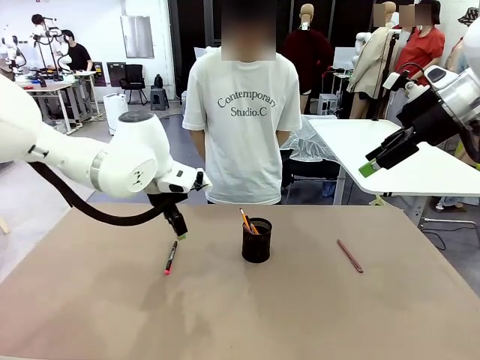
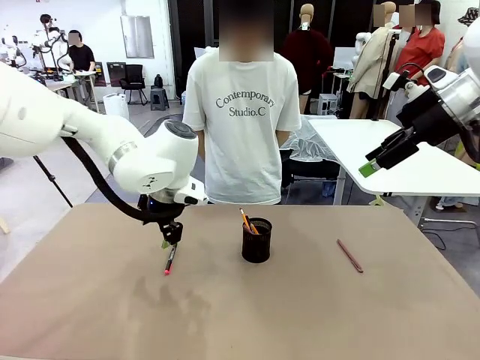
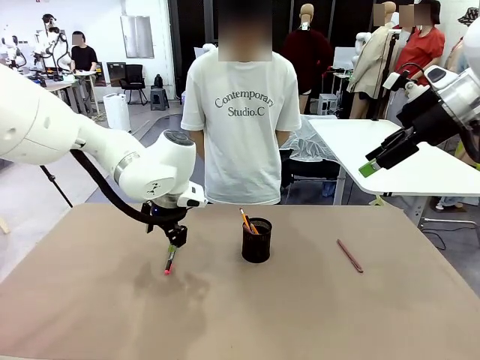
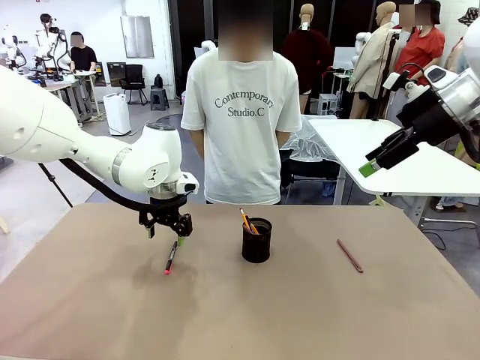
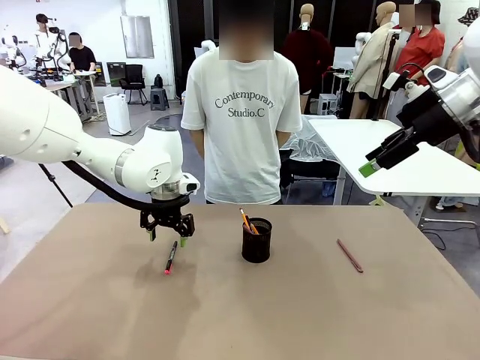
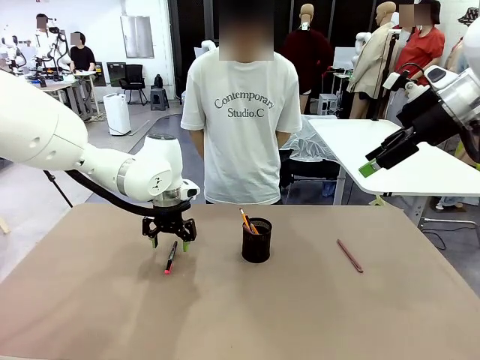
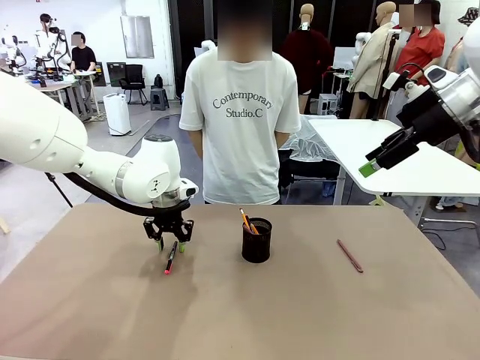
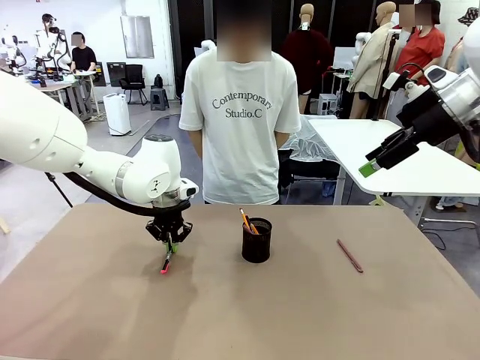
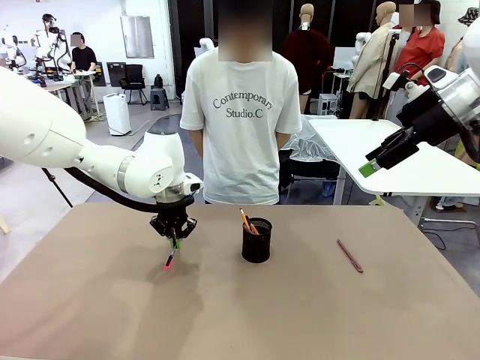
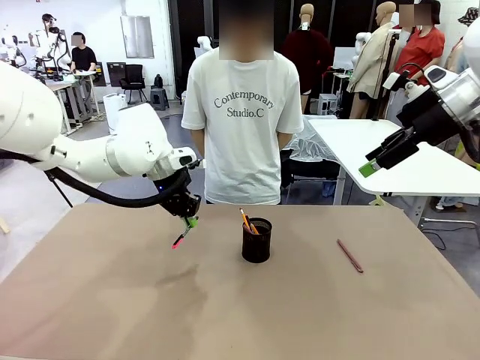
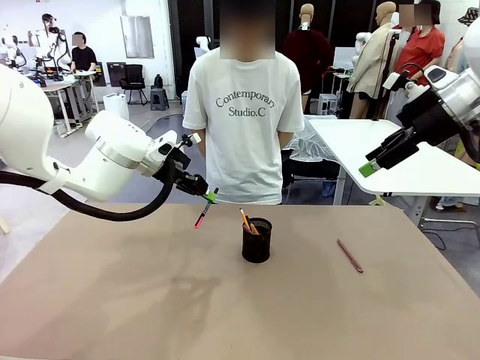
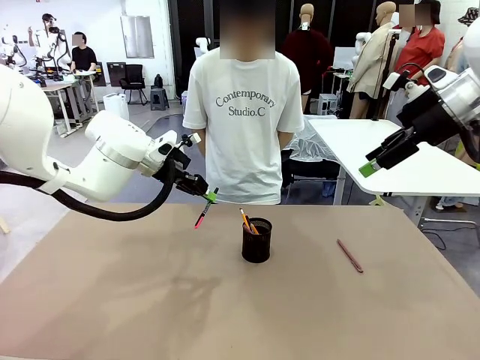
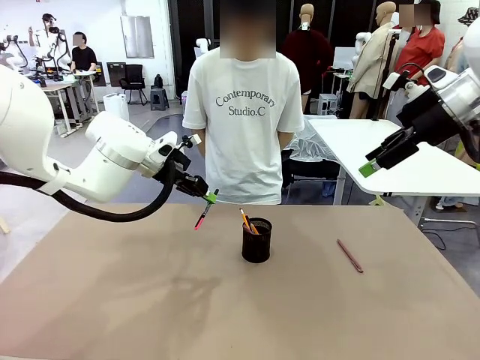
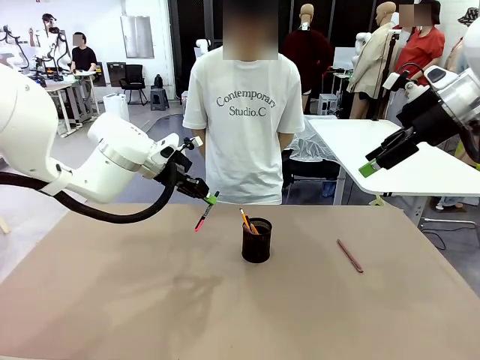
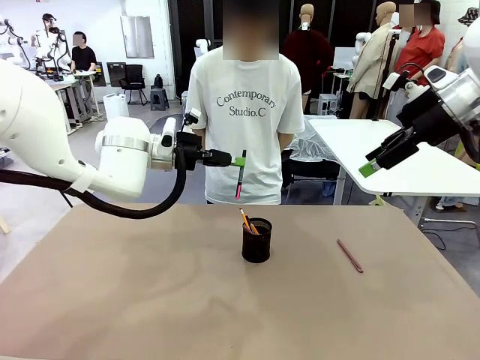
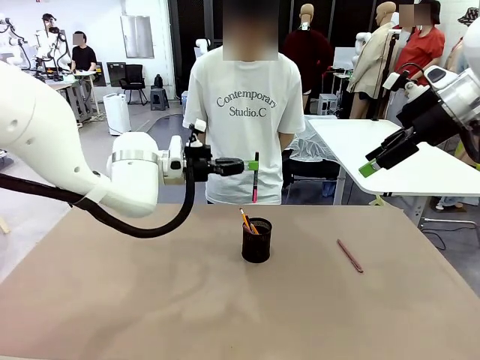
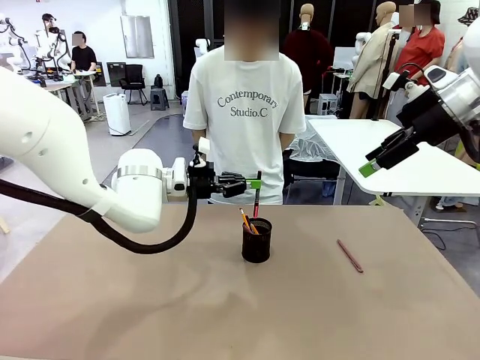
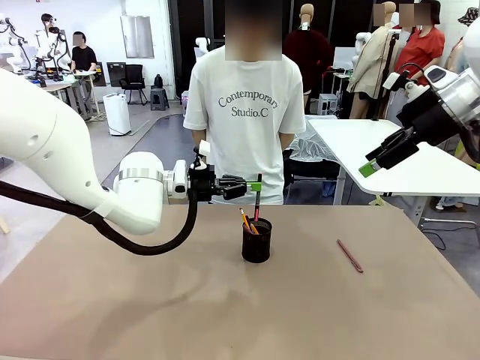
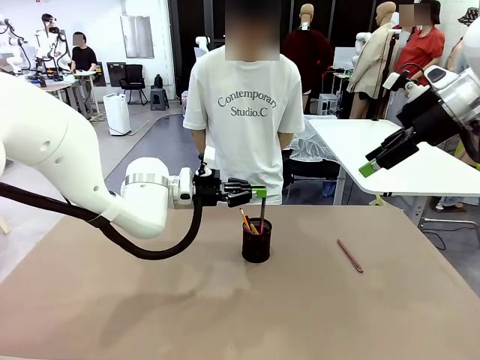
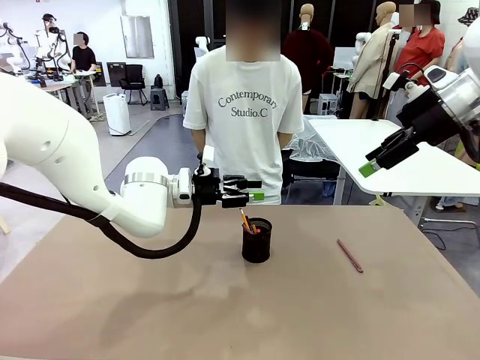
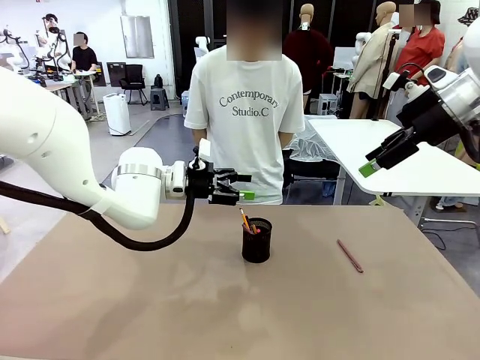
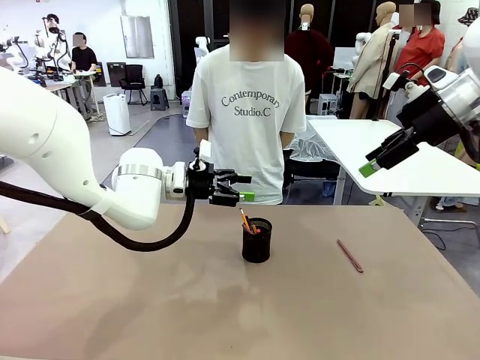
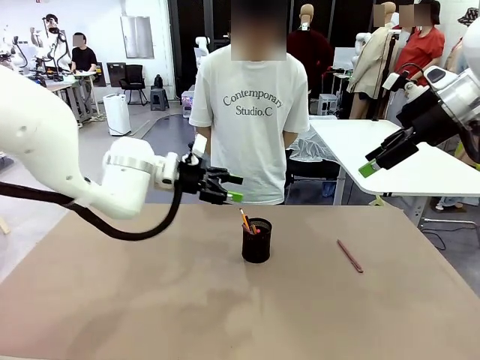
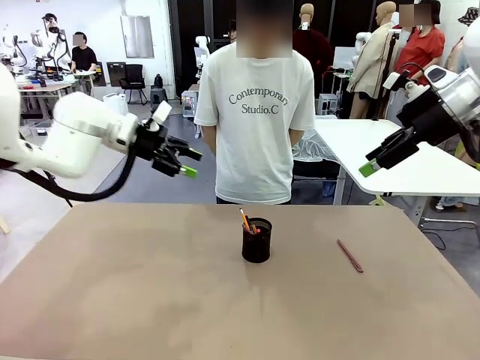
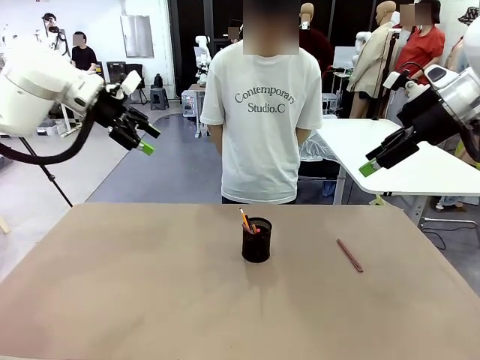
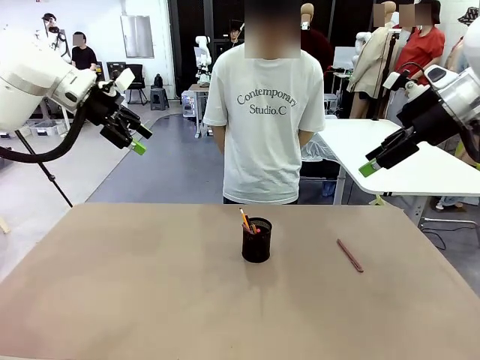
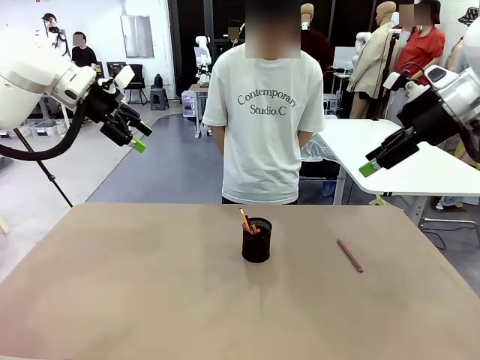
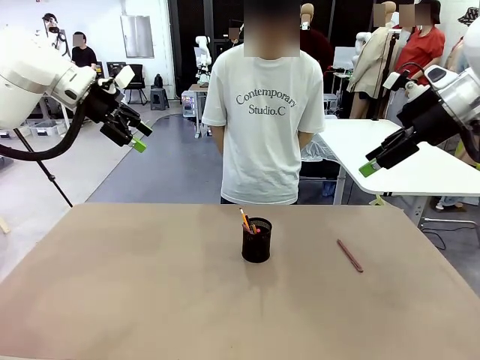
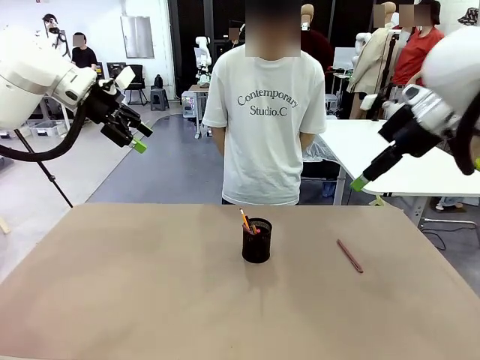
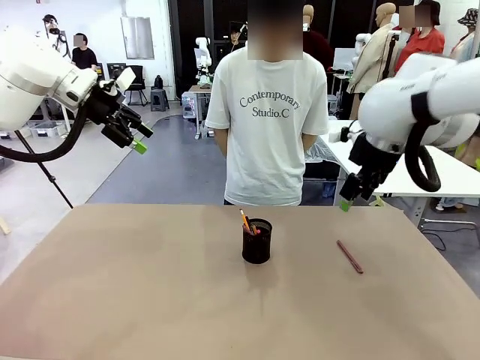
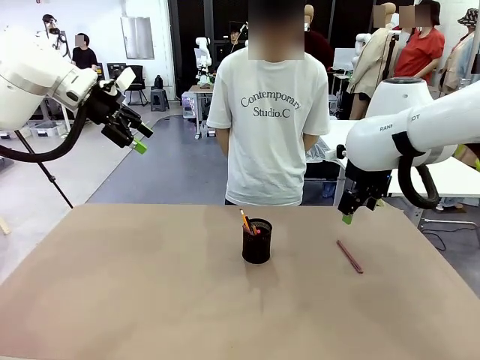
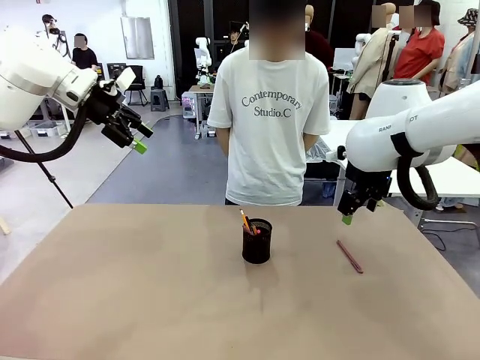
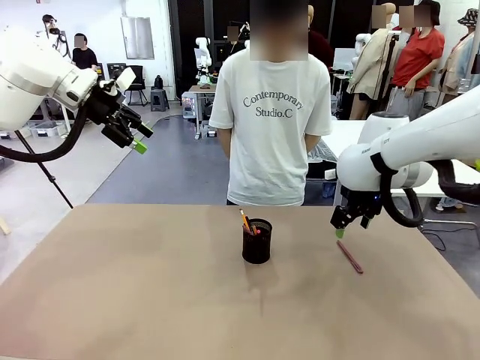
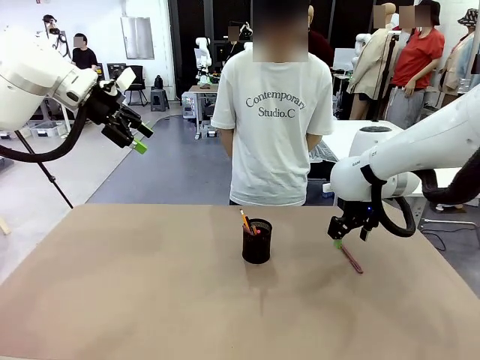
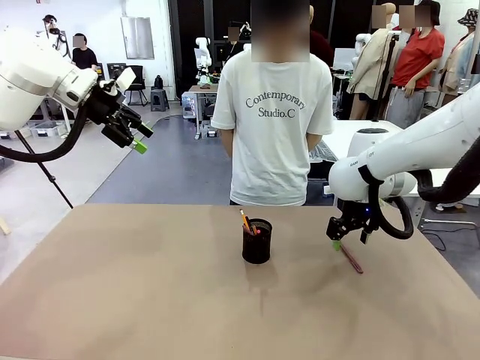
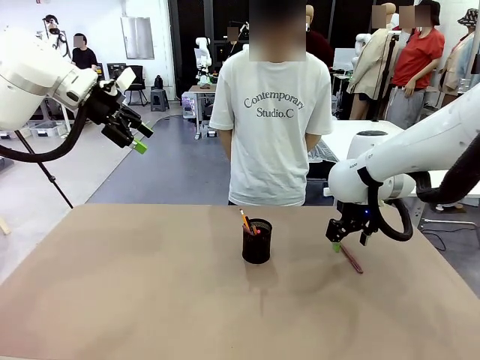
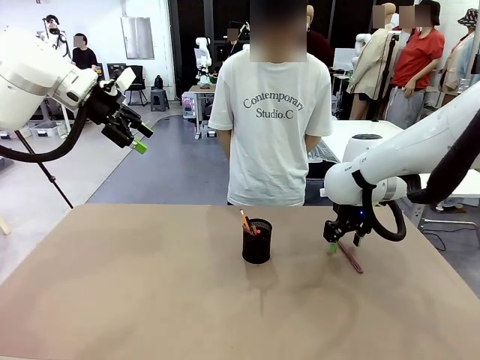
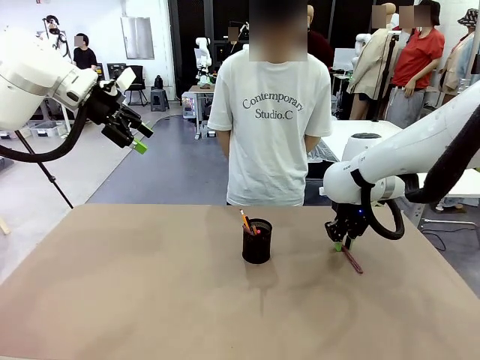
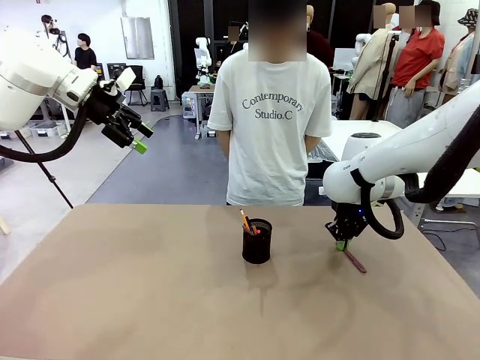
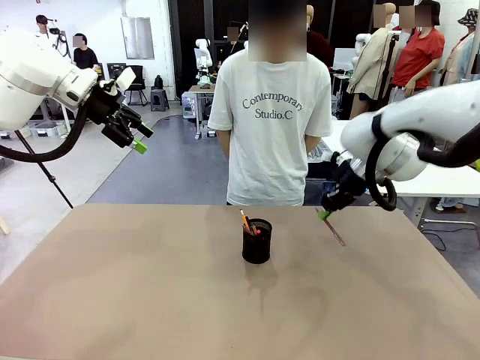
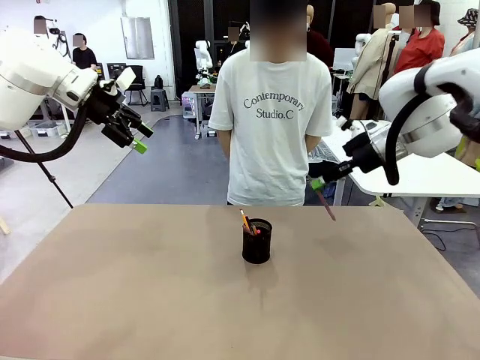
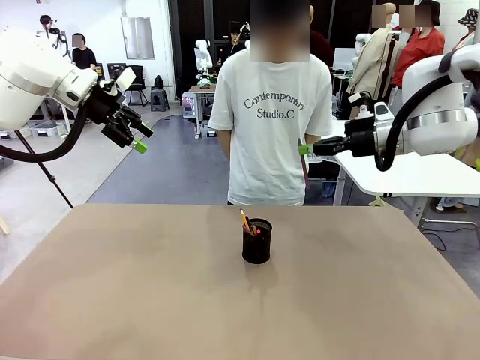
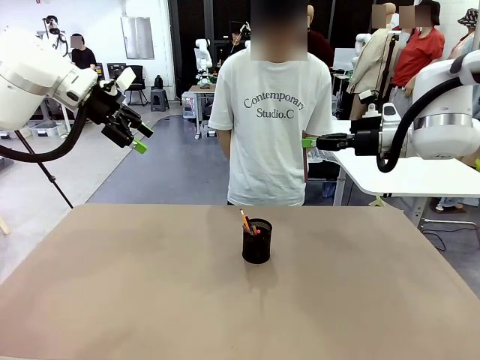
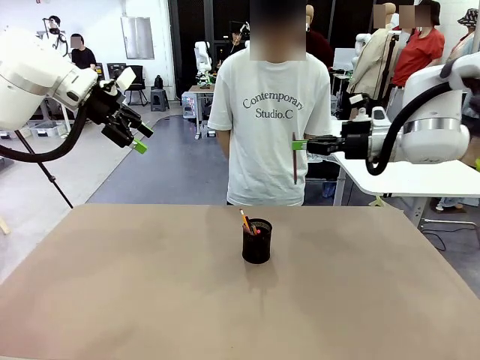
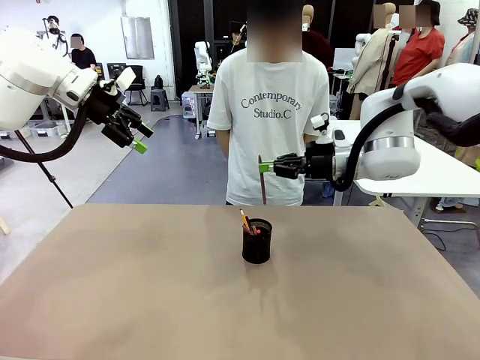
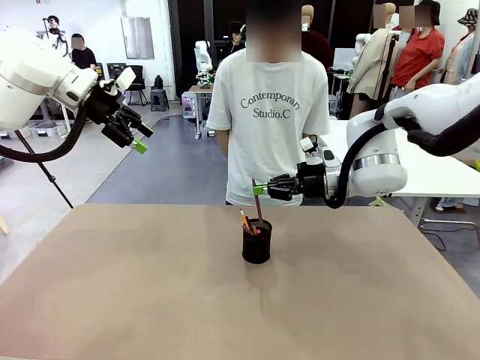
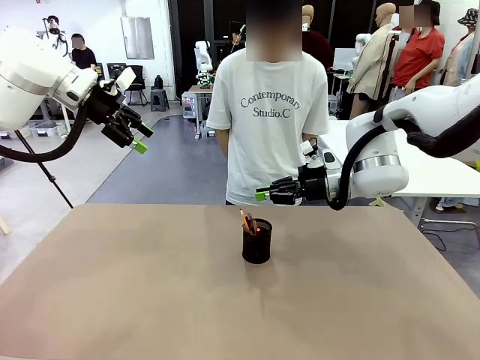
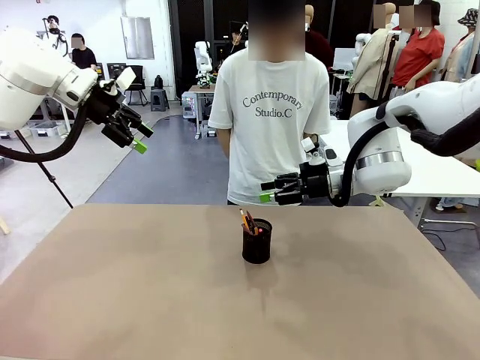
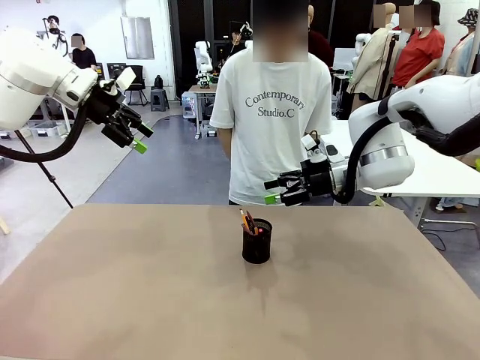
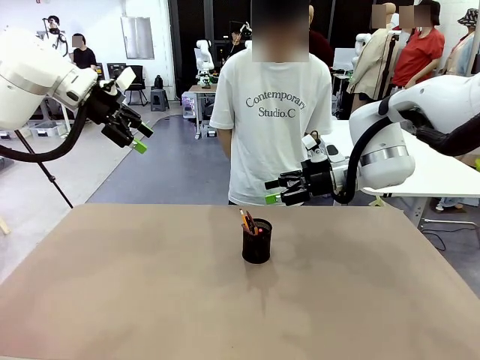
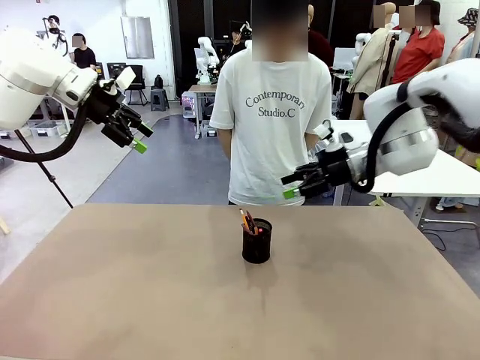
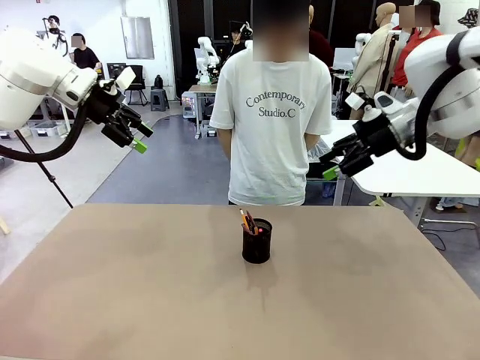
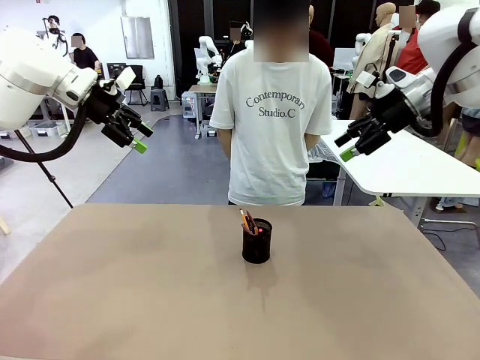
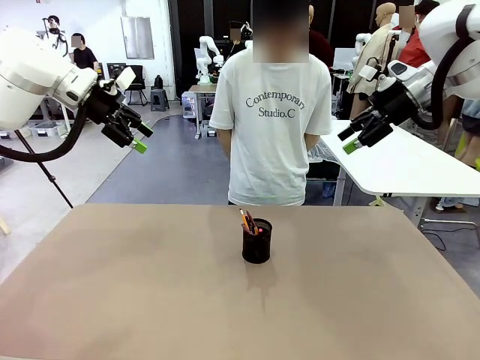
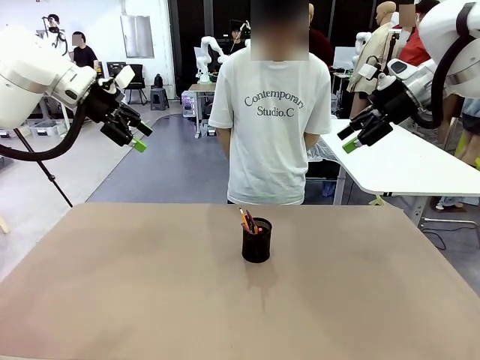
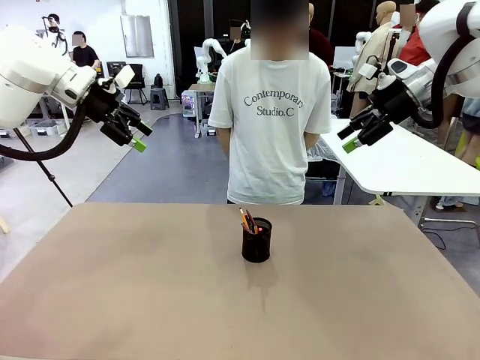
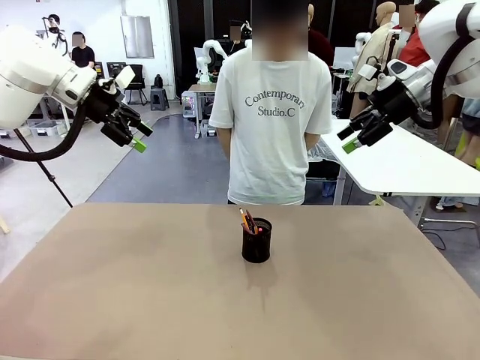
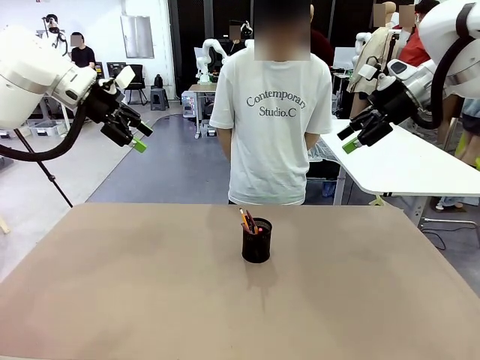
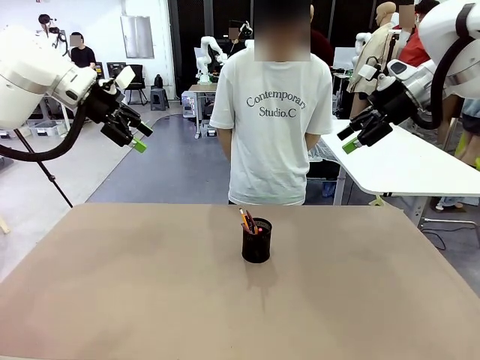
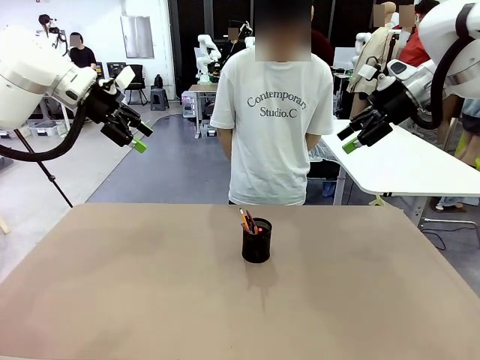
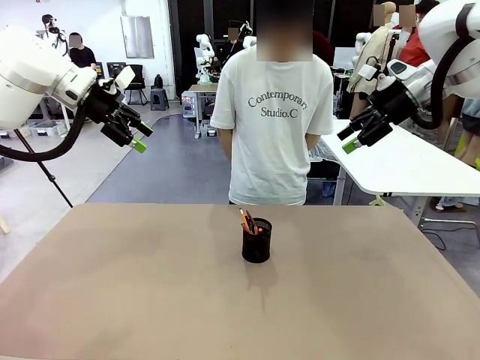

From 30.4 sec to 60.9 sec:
Task: Place the pens into the pen holder.
Robot: Pick up a writing instrument from the table and place it into the Pen holder.
Person: Place all writing instrument into the Pen holder.
